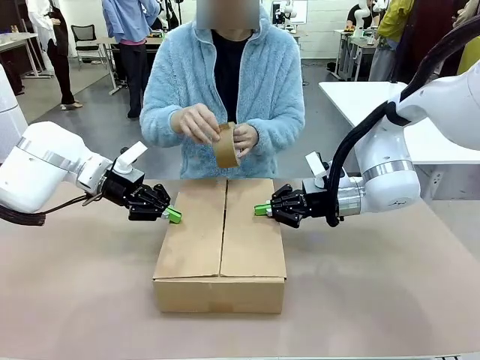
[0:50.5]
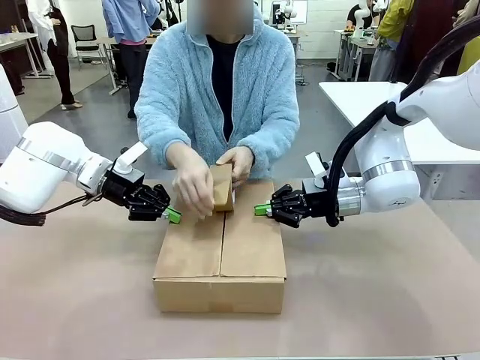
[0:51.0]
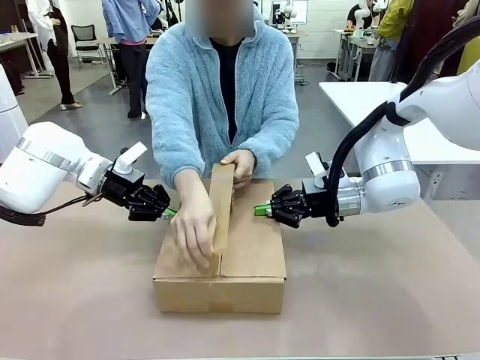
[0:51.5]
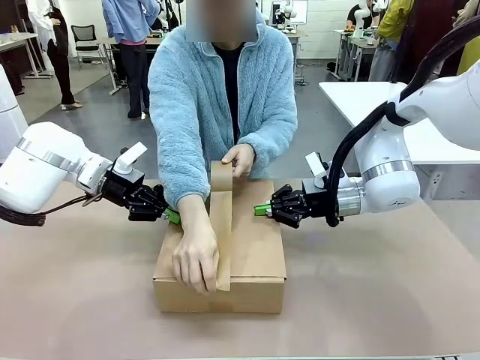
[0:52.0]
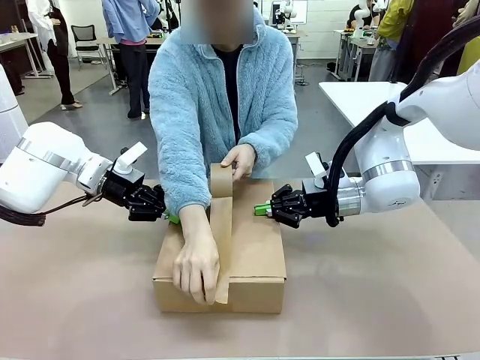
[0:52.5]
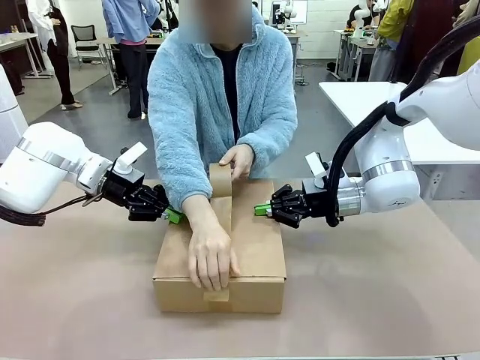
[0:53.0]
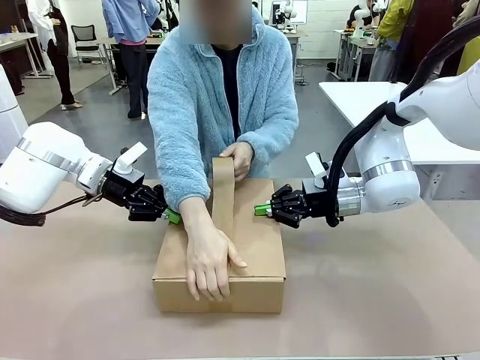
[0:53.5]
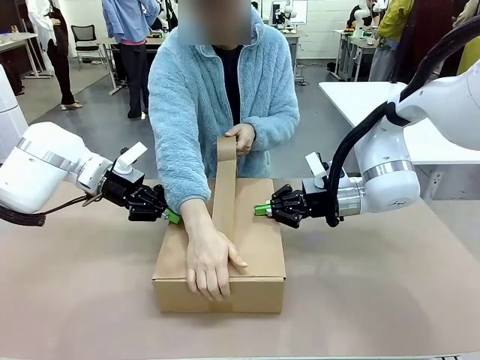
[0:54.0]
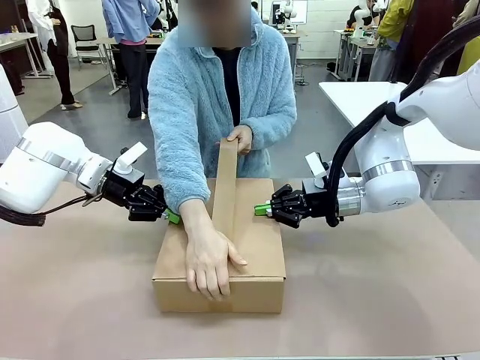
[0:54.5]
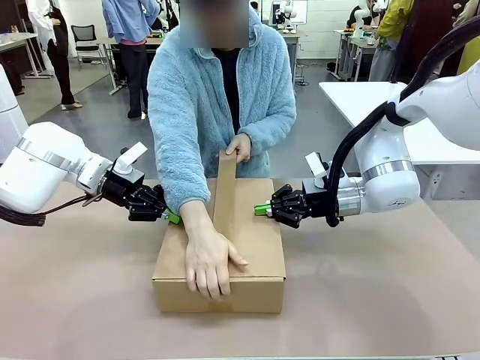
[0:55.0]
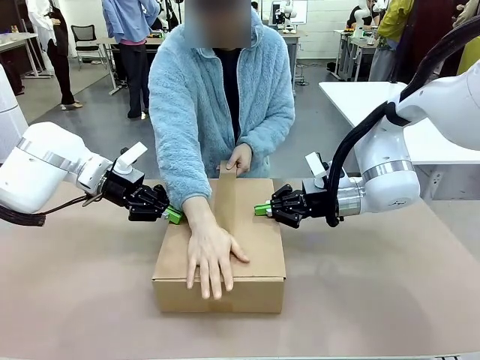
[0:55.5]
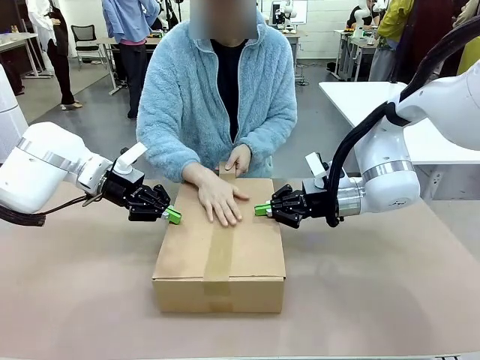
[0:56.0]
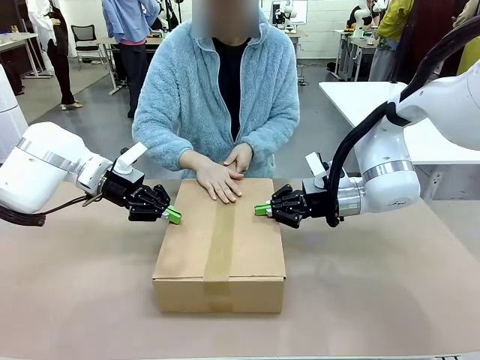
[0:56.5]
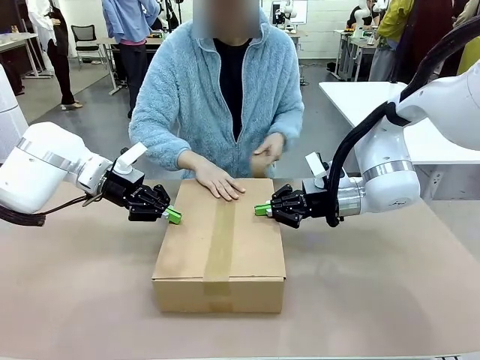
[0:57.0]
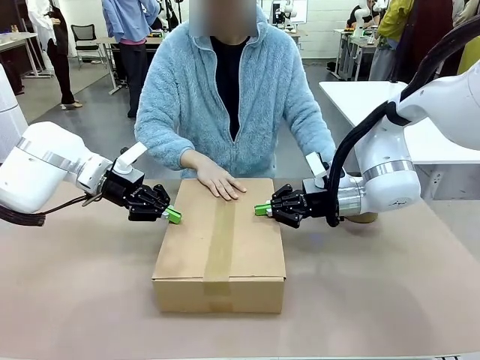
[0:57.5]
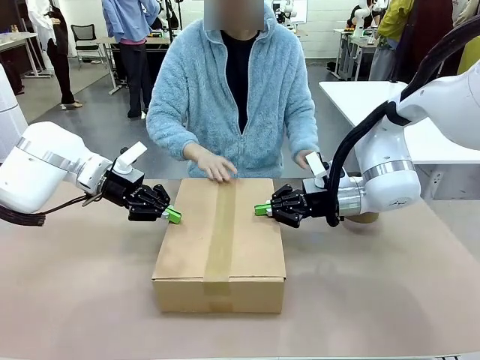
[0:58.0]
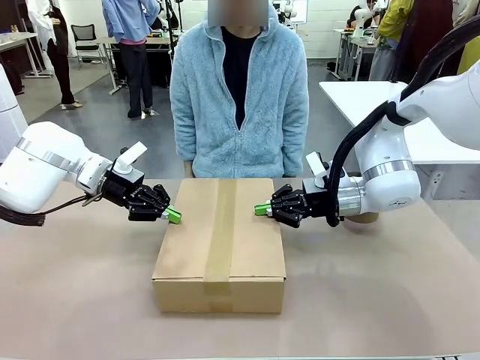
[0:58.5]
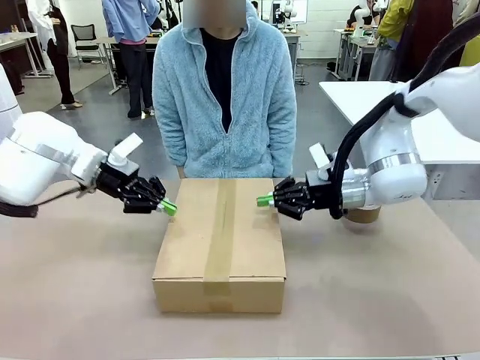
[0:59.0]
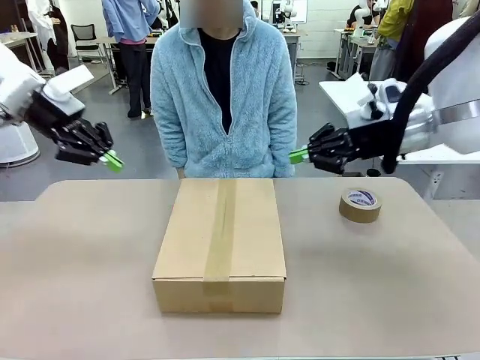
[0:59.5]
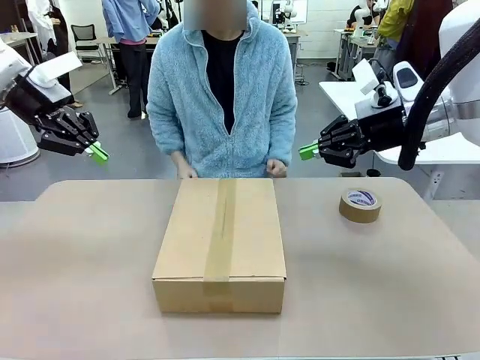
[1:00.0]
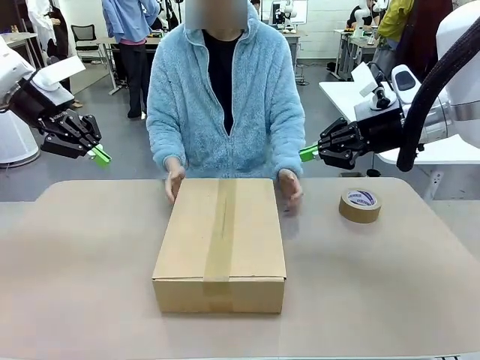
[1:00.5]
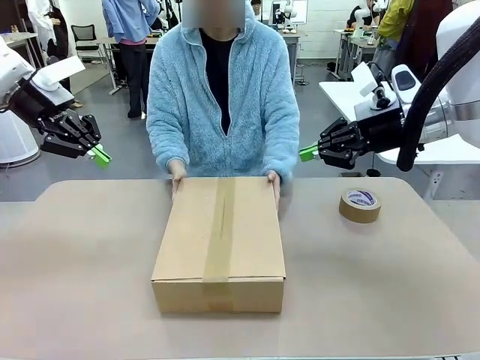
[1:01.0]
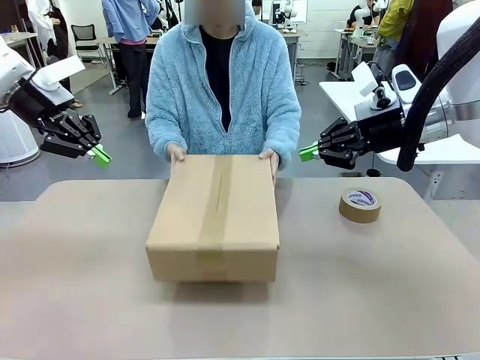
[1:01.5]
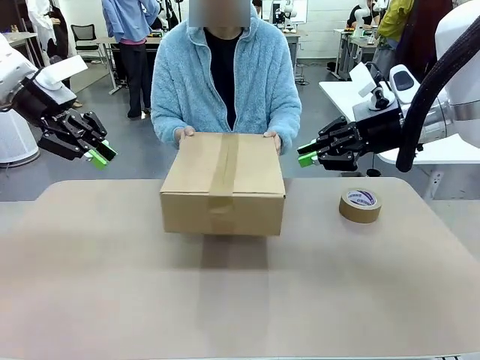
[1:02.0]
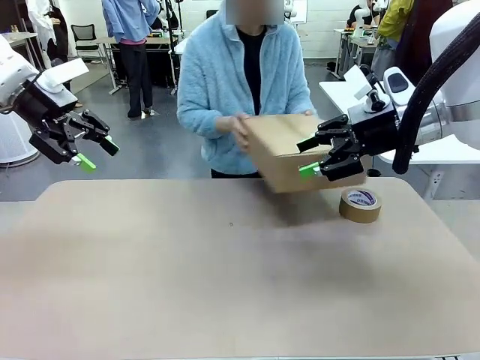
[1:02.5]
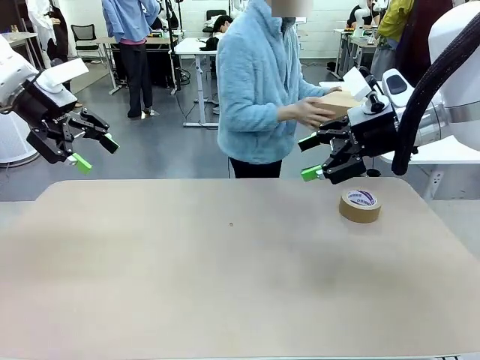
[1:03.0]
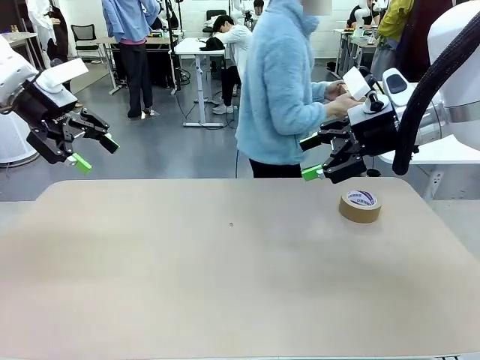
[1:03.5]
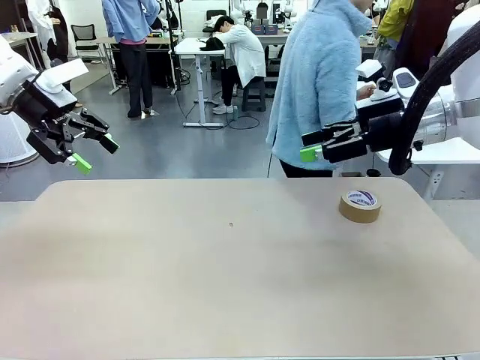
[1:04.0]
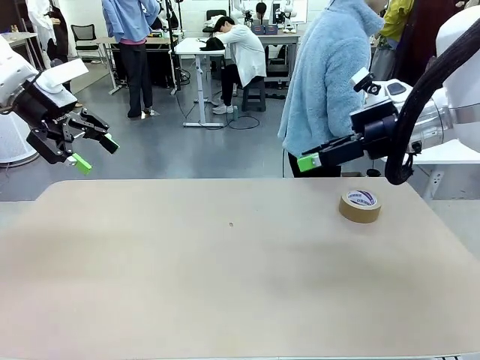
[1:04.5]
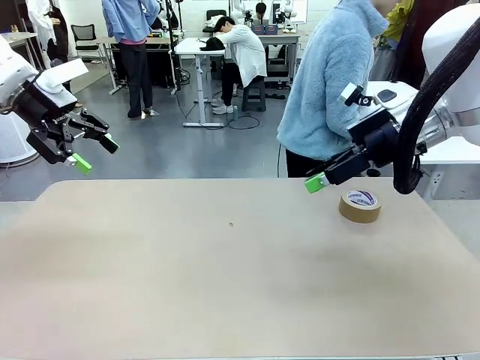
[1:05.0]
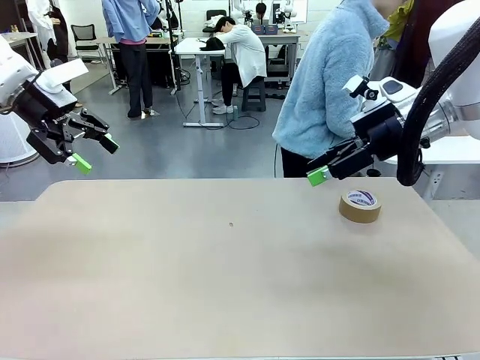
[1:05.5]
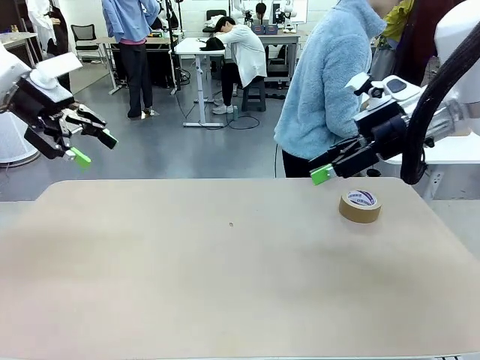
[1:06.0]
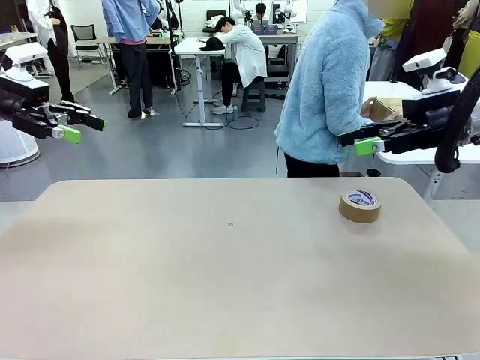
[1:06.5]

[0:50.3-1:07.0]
Task: Wrap the clocks to prevent damage.
Robot: After the human seals the box with tape, release both hands from the side flaps of the Package Box.
Person: Once the robot closes the left flap of the Package Box , seal the box with Paper Tape. Place sealed Package Box in the middle of the human's table.
